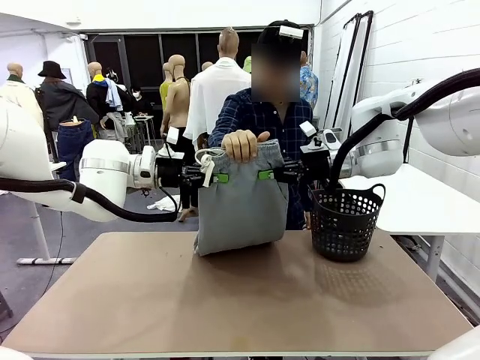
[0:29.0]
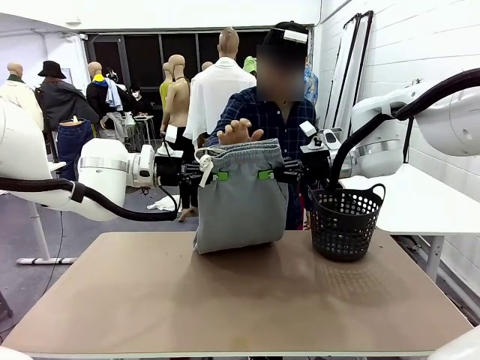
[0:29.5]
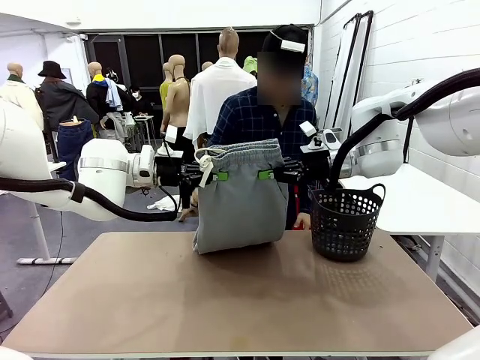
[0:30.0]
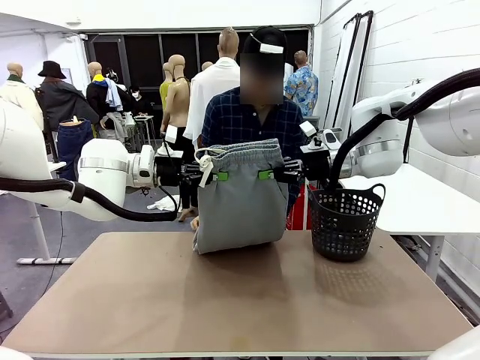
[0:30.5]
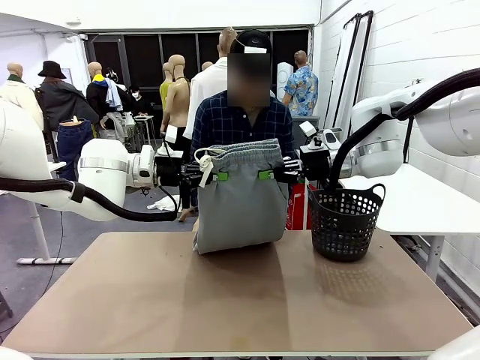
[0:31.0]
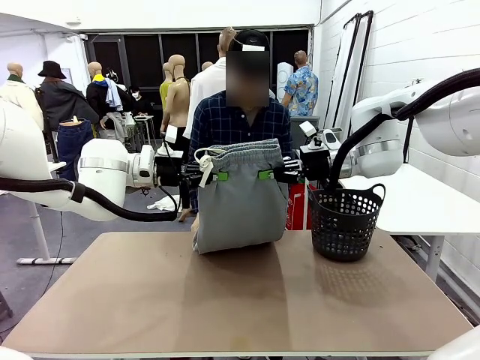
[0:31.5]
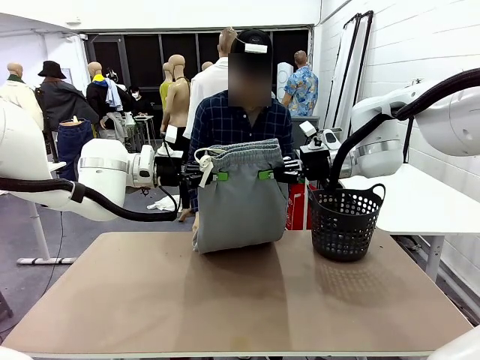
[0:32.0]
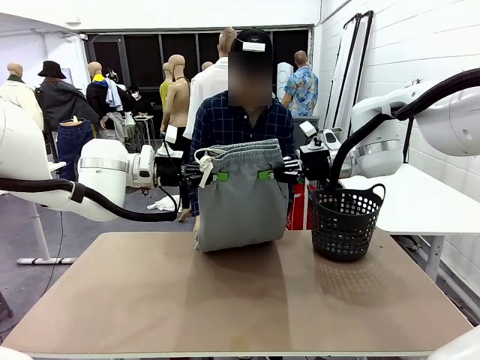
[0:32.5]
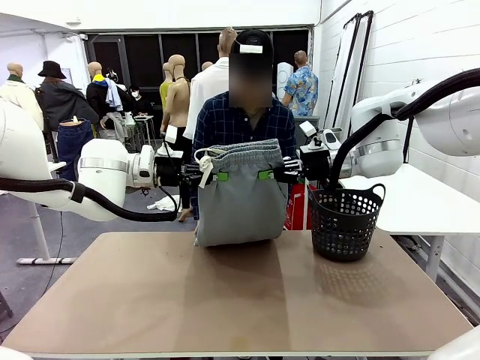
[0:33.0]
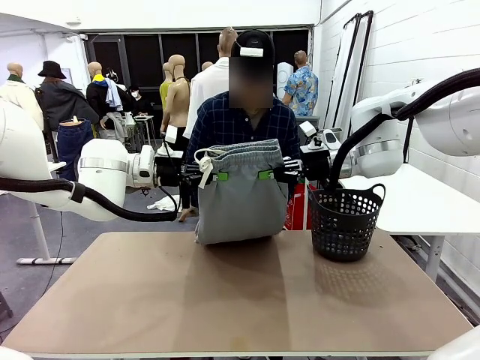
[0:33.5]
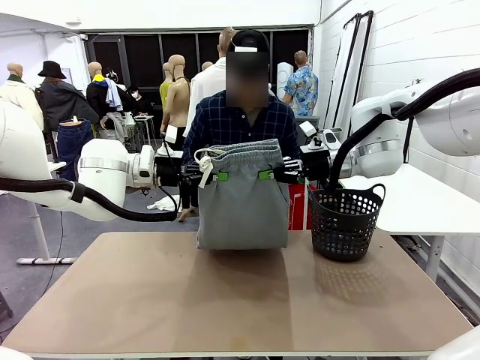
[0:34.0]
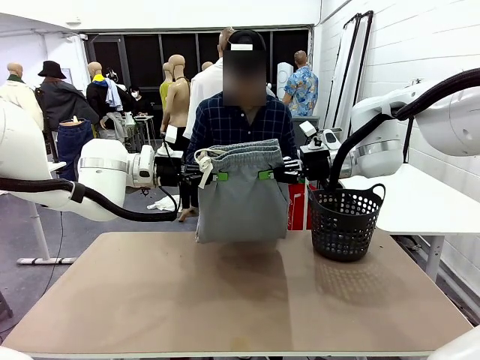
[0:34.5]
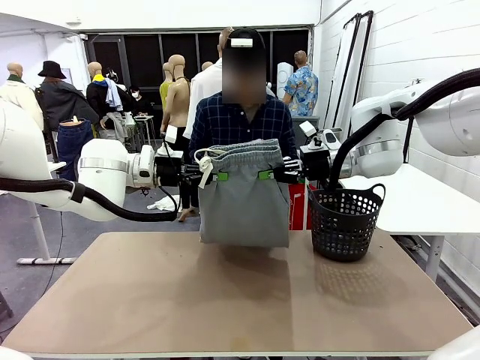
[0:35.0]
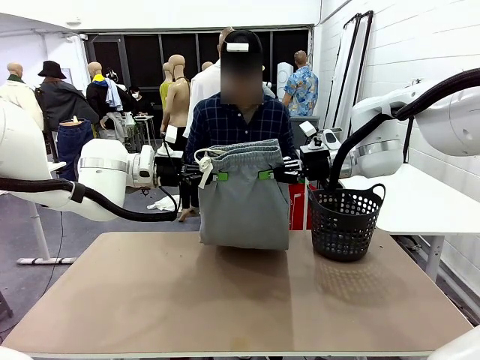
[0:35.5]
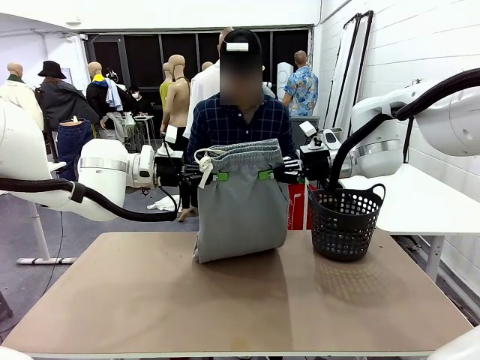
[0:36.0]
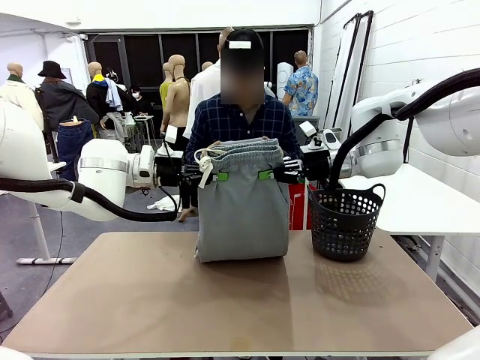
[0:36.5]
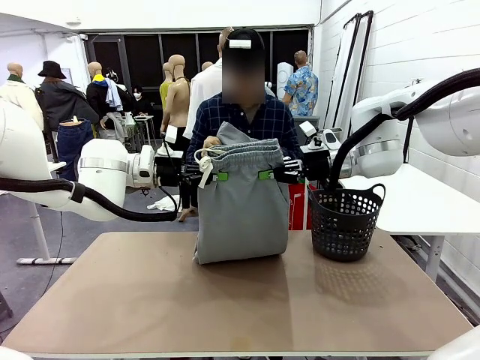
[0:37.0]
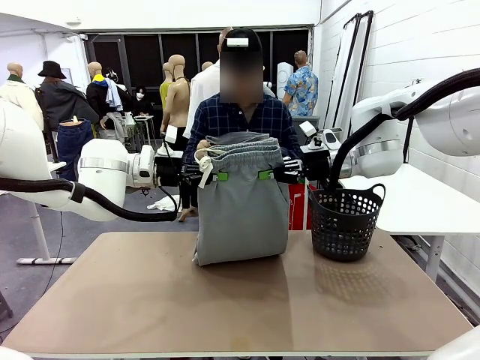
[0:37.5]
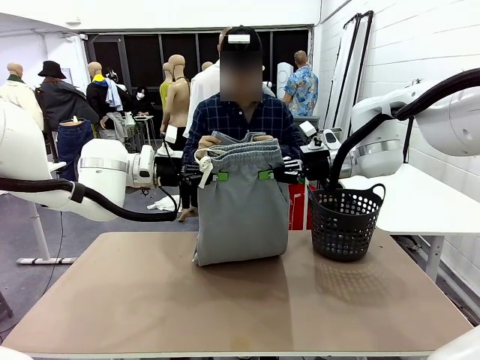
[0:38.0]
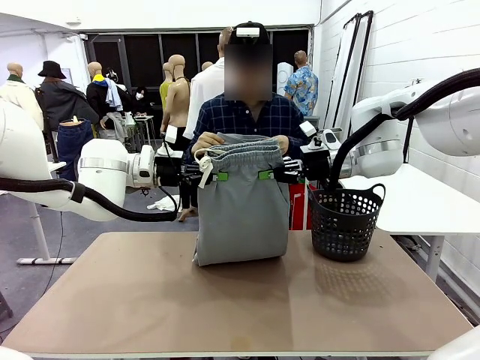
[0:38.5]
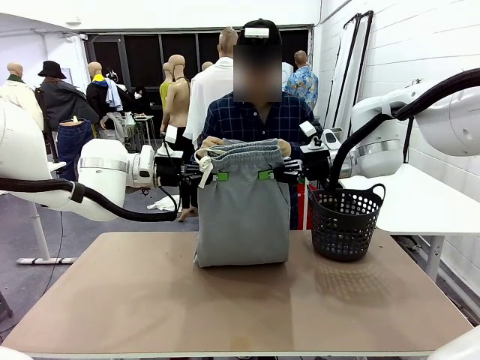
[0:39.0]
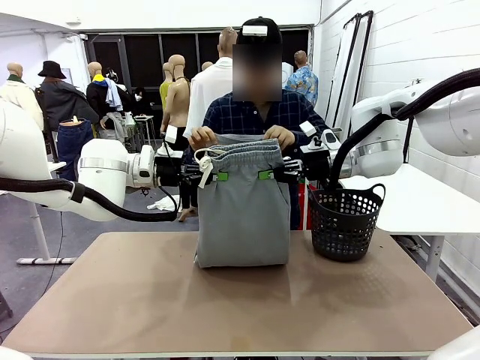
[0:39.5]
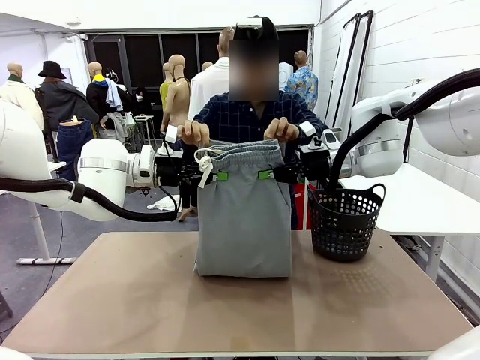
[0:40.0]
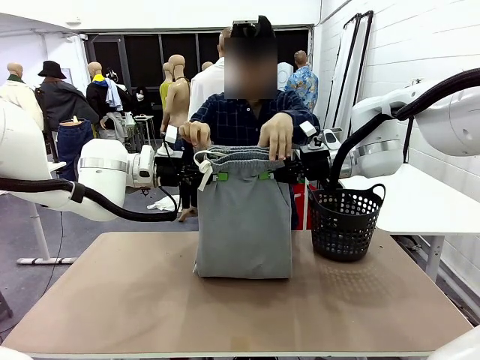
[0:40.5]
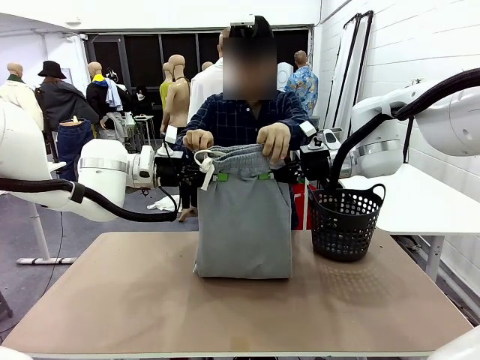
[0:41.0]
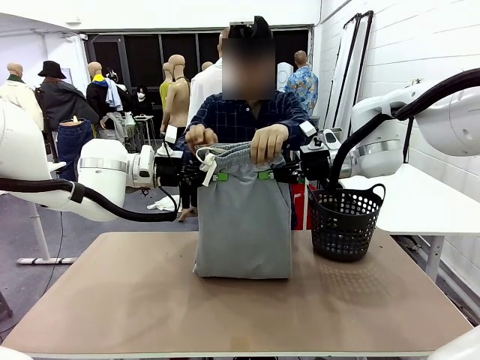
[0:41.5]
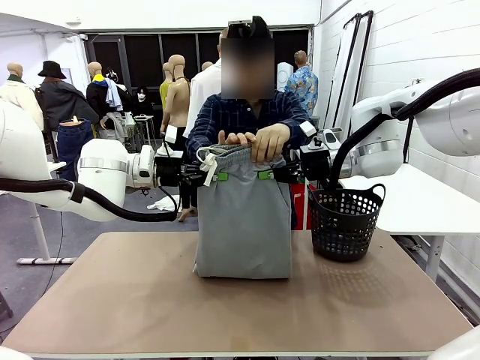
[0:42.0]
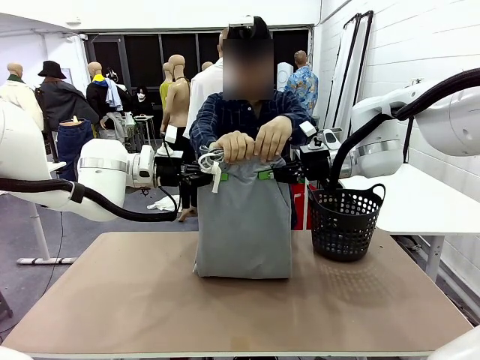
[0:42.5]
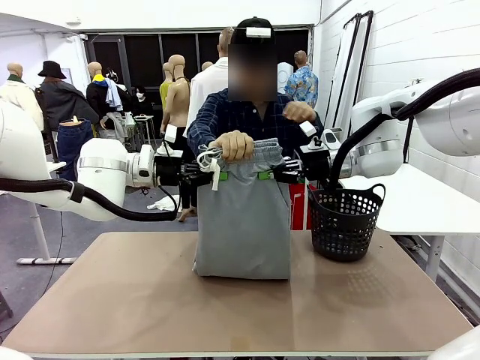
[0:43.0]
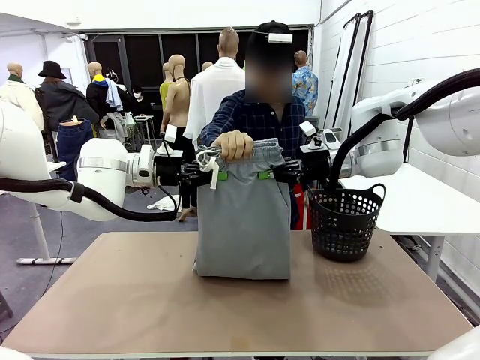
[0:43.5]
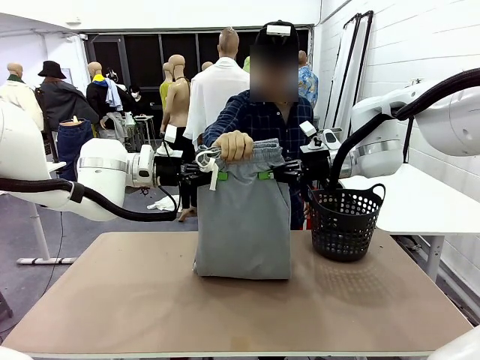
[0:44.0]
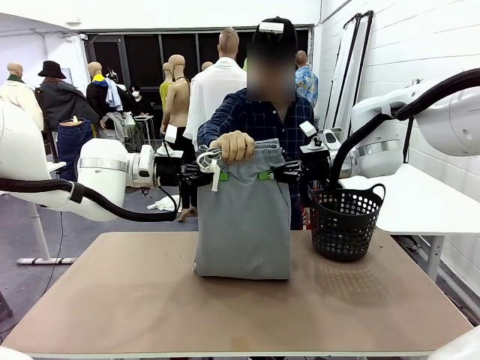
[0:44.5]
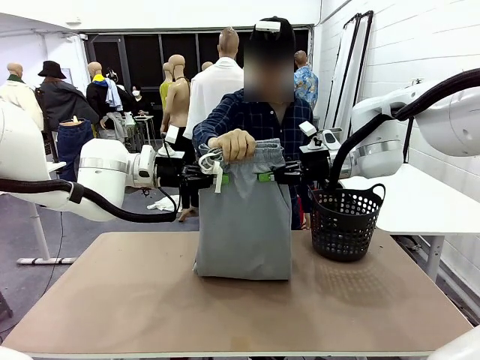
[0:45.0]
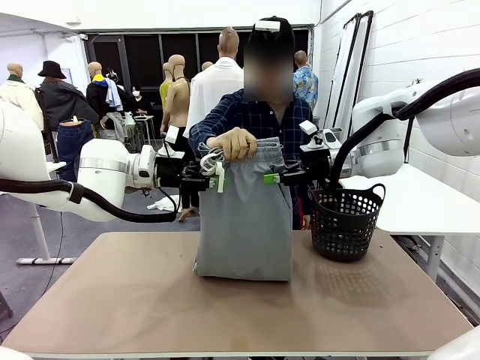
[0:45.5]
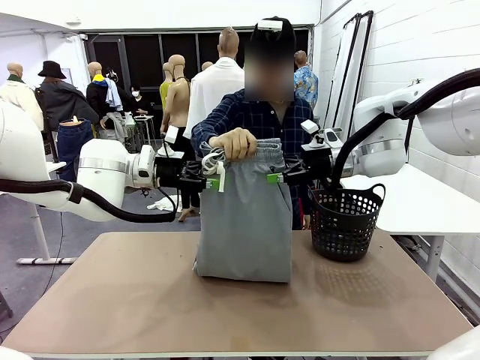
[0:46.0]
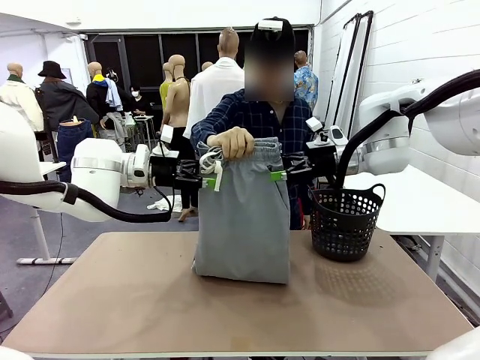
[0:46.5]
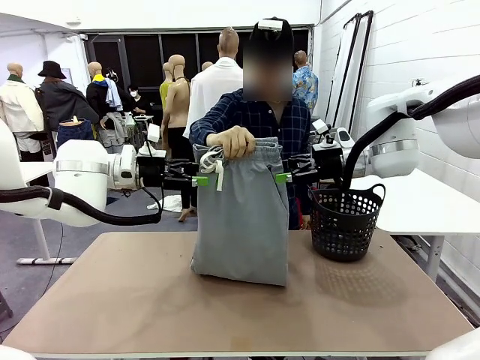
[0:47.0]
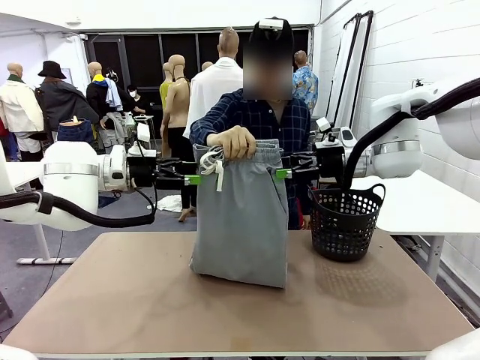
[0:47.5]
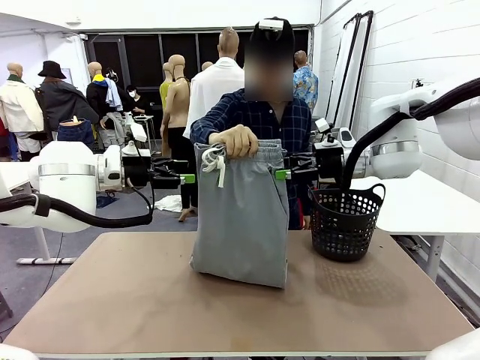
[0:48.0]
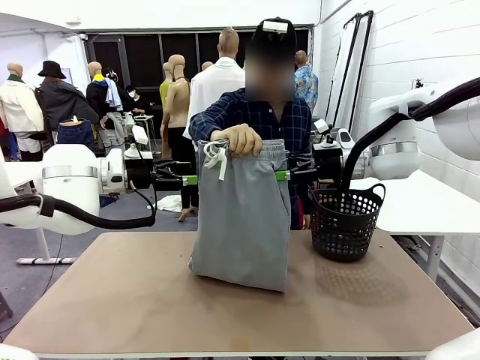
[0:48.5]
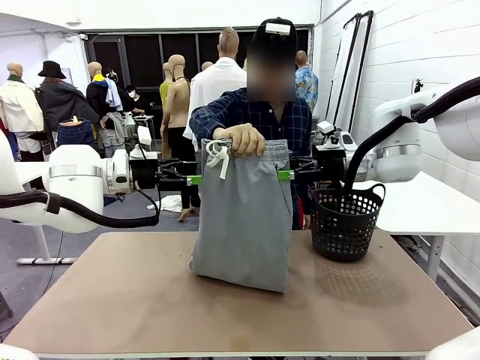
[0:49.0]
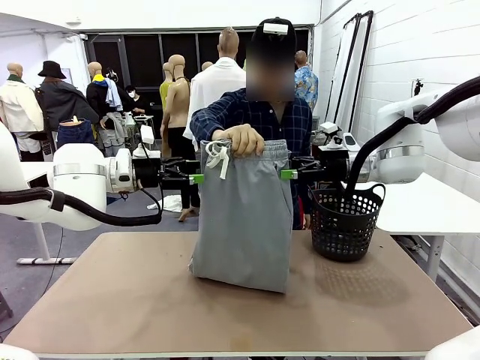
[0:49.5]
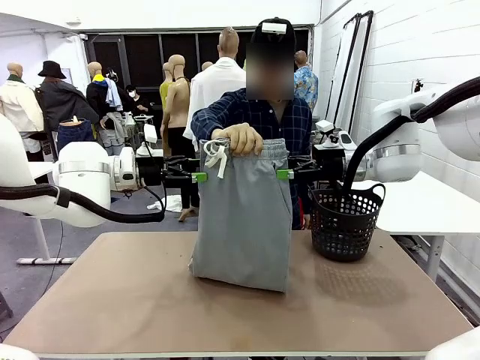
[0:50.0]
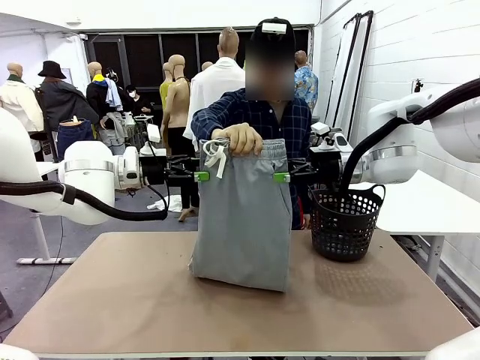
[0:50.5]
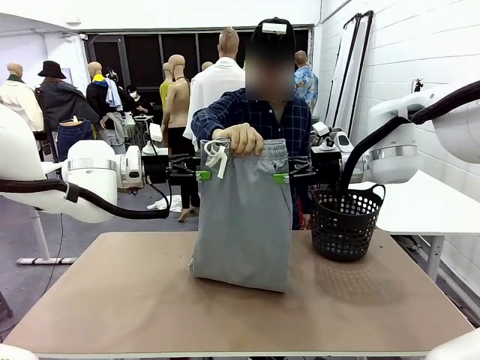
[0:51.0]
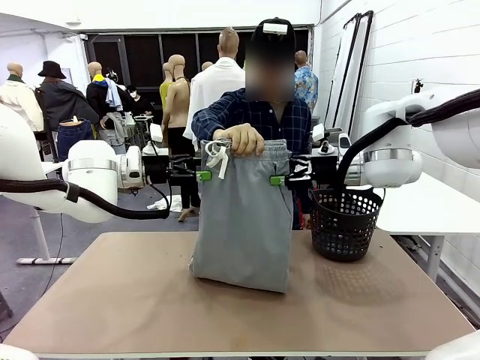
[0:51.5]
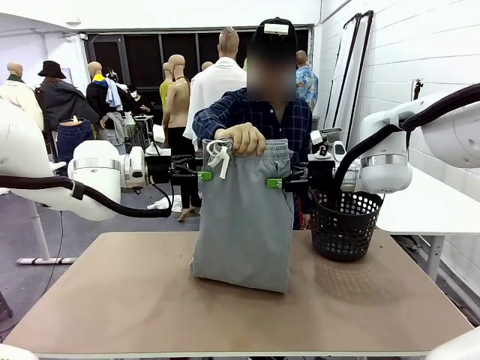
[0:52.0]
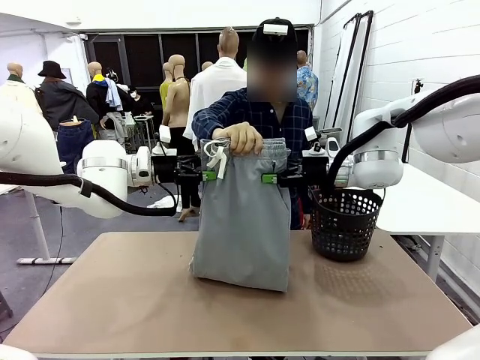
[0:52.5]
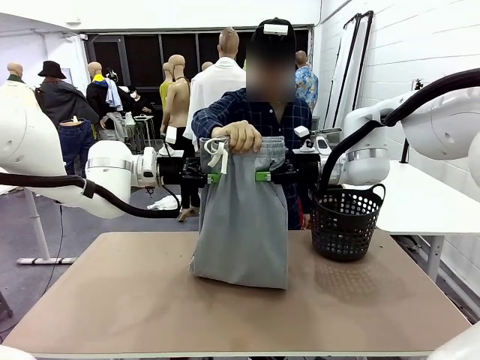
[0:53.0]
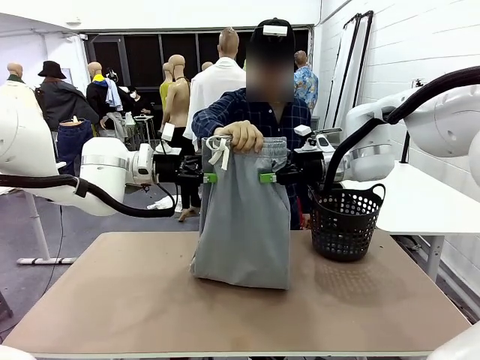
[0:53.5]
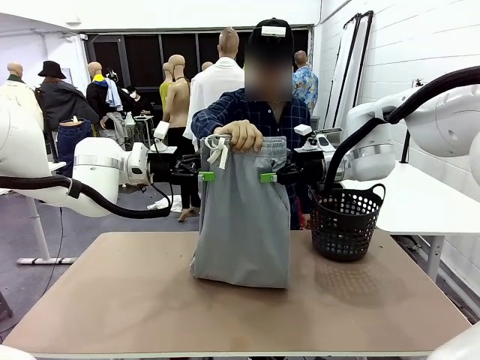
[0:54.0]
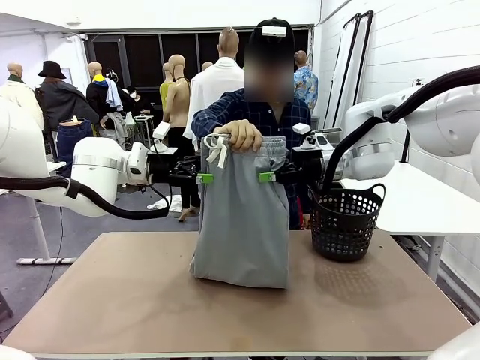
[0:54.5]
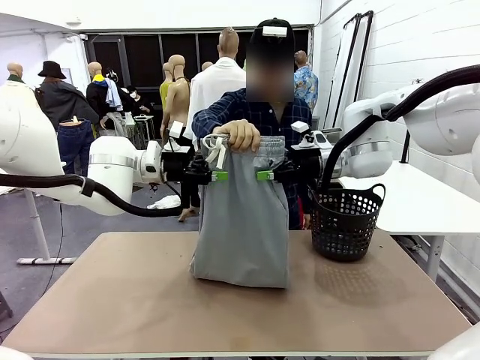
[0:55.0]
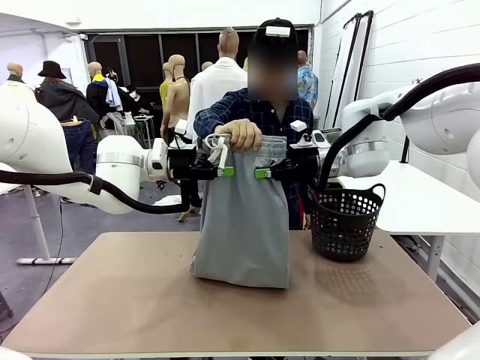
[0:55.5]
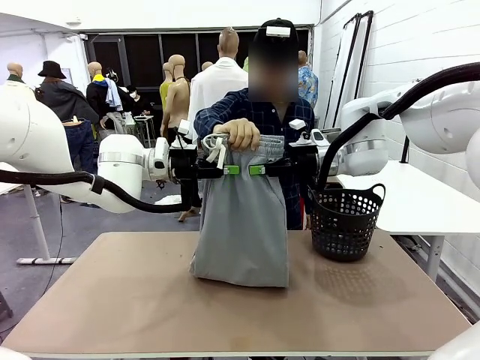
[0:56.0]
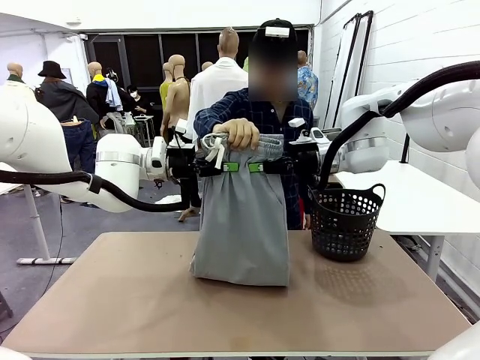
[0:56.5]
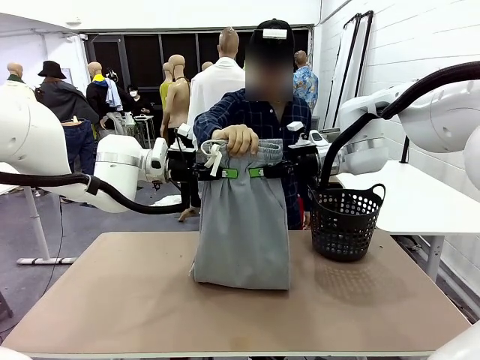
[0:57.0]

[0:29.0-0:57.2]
Task: Fold the training pants.
Robot: Release the ends of the Training pants and then grab the overlapped ends.
Person: Grasp the end opposite the point the robot is holding, fold the pants in half, and then grasp the overlapping top end of the folded pants. Release the pants you were holding.
